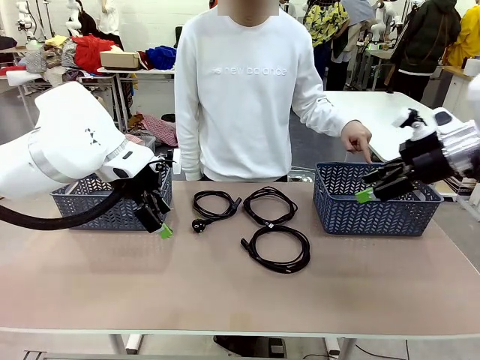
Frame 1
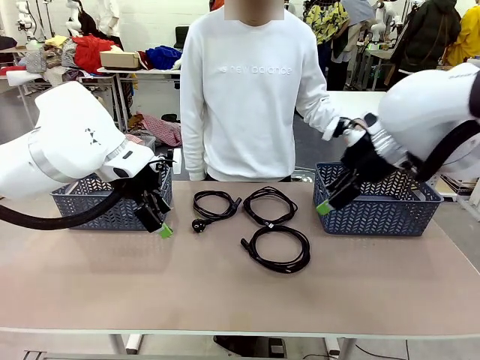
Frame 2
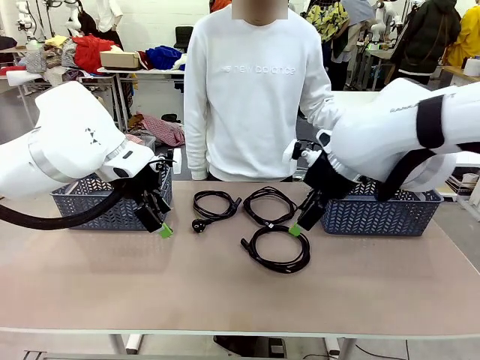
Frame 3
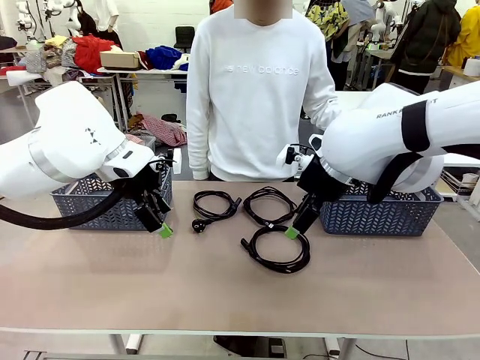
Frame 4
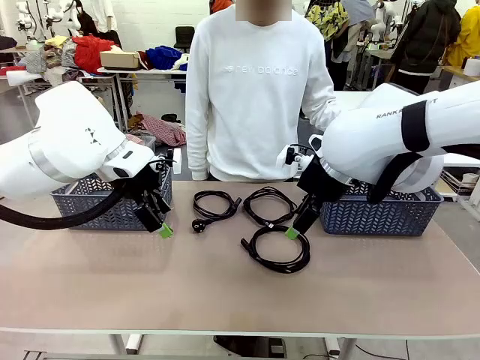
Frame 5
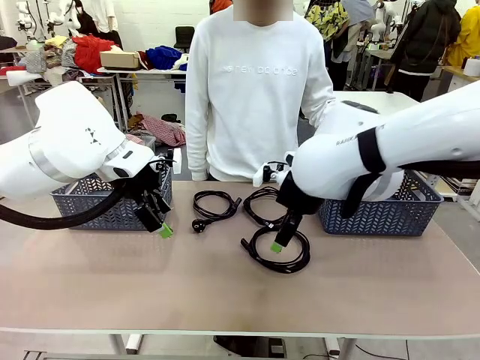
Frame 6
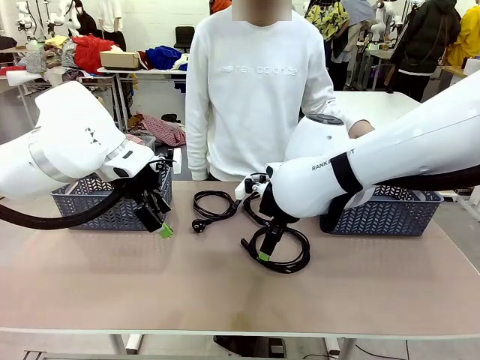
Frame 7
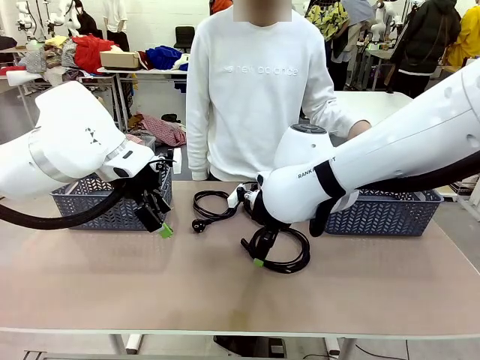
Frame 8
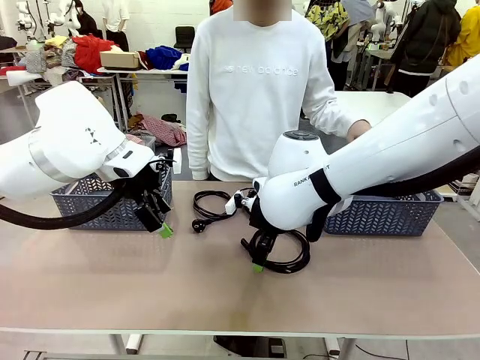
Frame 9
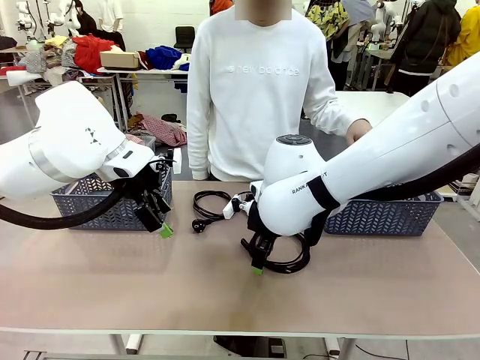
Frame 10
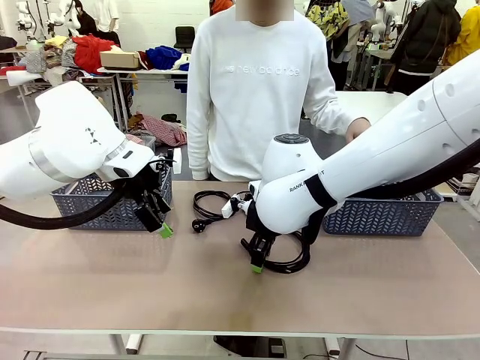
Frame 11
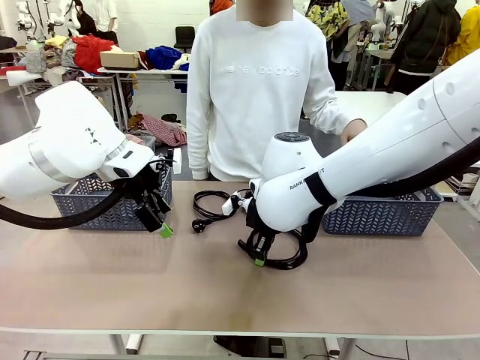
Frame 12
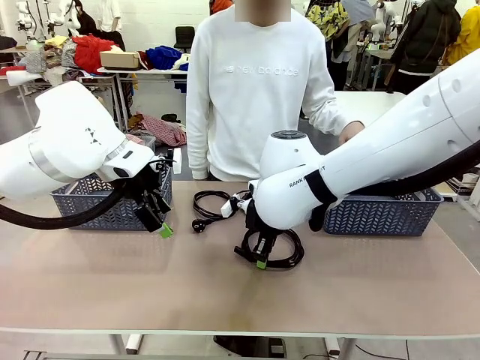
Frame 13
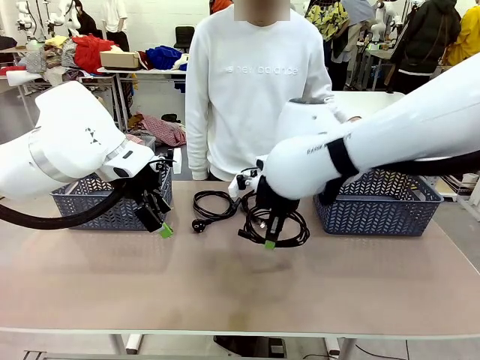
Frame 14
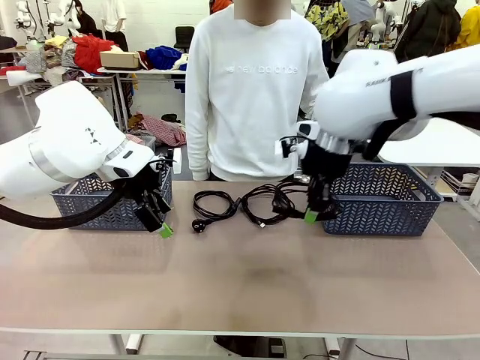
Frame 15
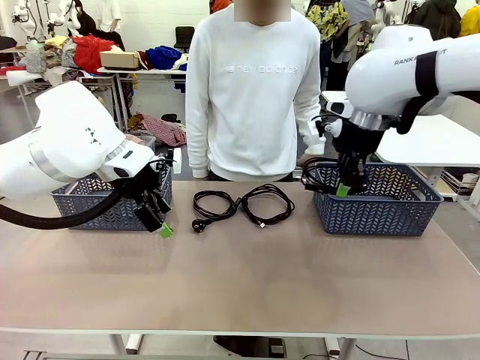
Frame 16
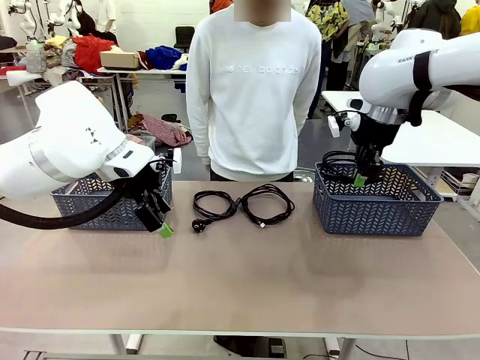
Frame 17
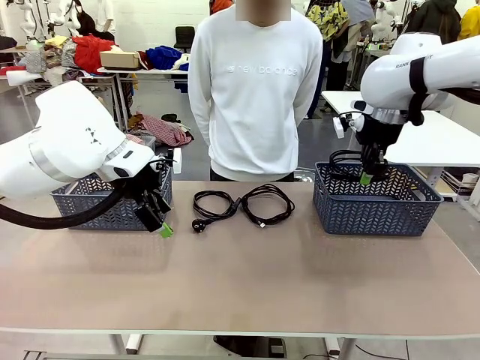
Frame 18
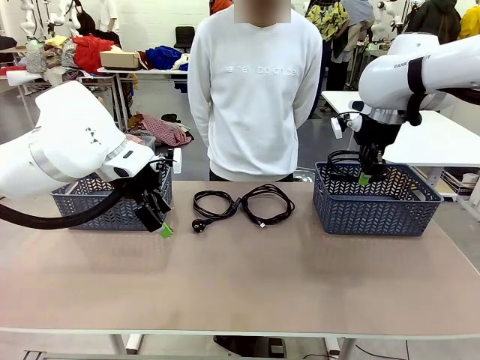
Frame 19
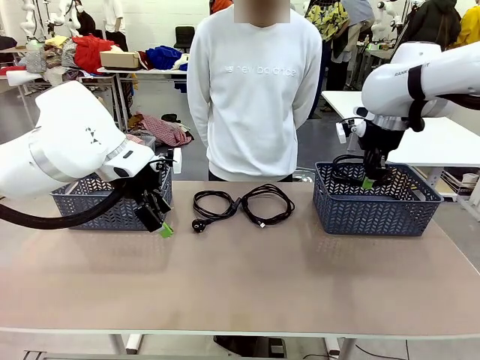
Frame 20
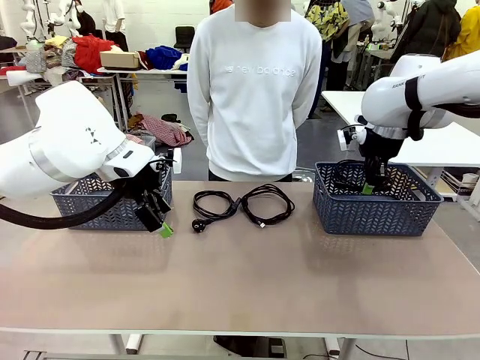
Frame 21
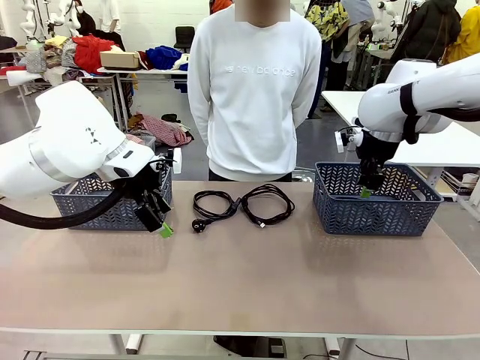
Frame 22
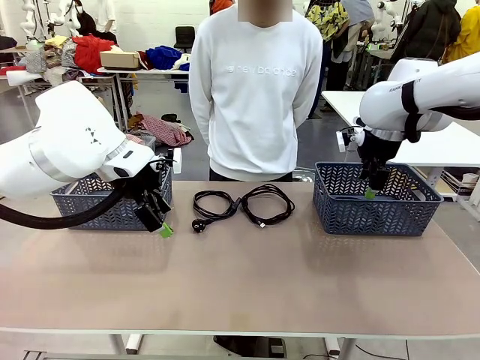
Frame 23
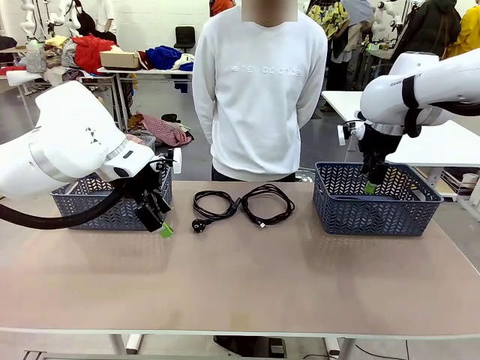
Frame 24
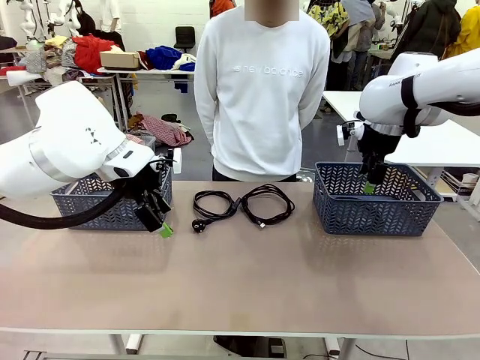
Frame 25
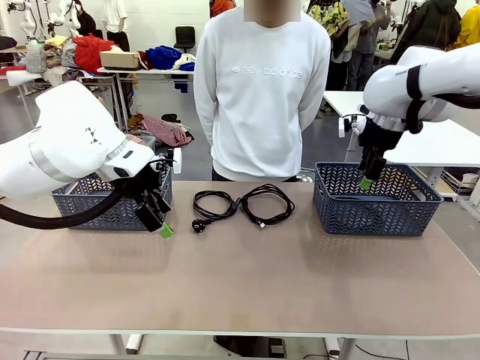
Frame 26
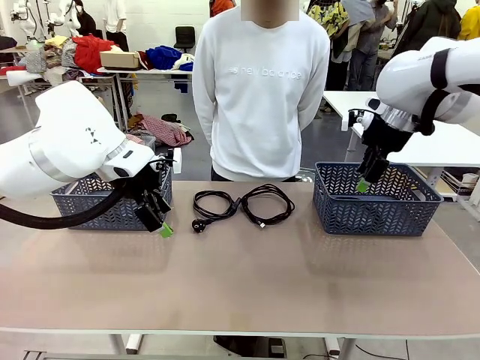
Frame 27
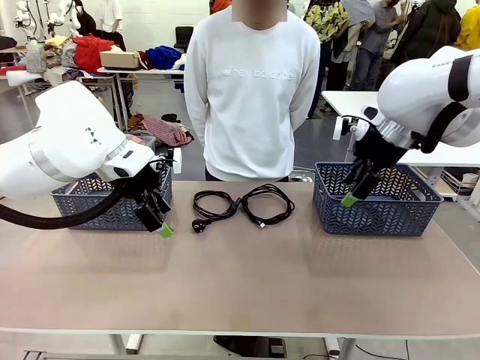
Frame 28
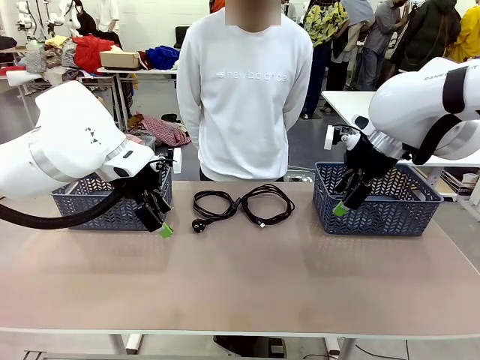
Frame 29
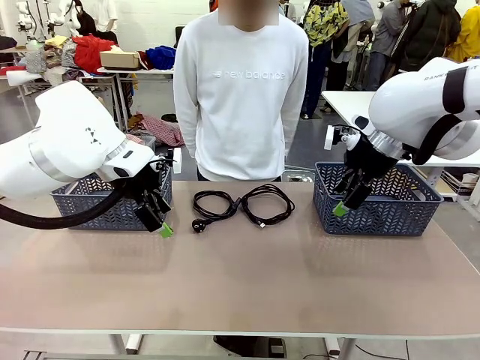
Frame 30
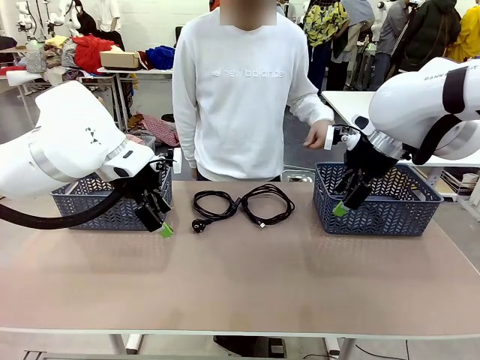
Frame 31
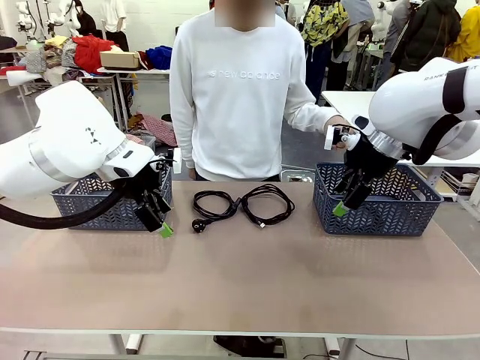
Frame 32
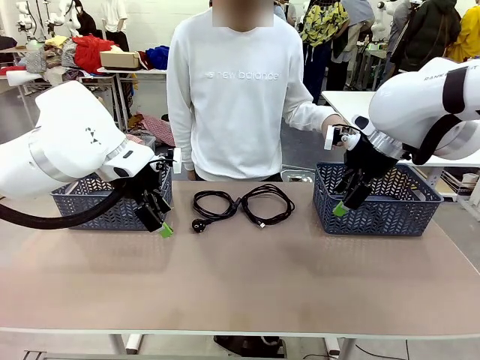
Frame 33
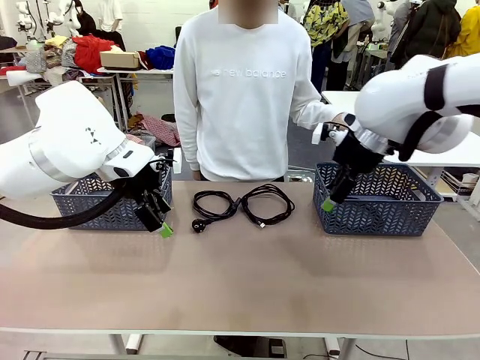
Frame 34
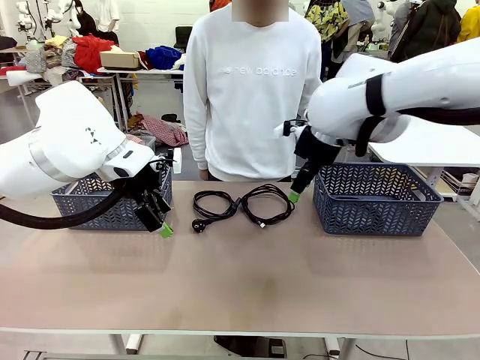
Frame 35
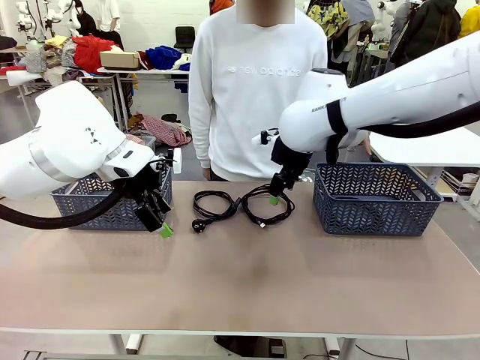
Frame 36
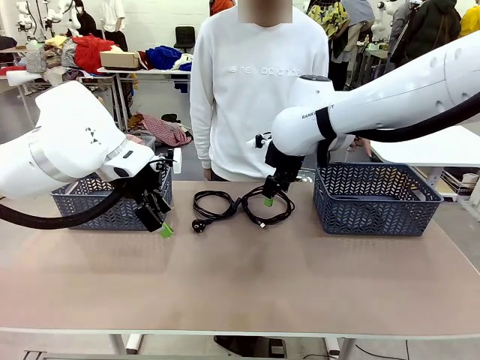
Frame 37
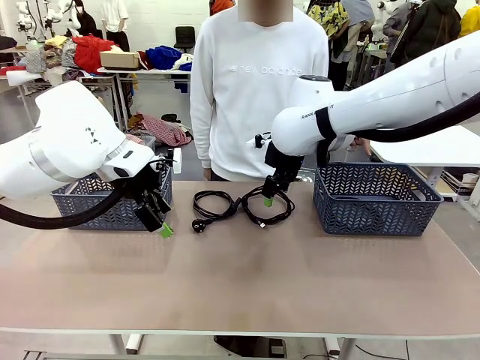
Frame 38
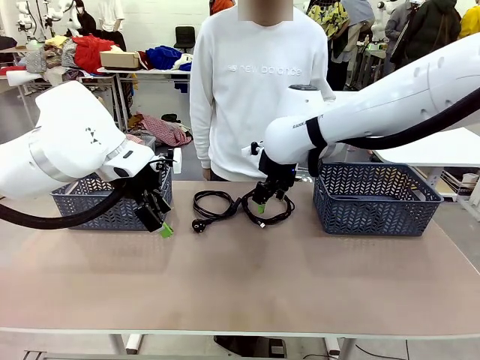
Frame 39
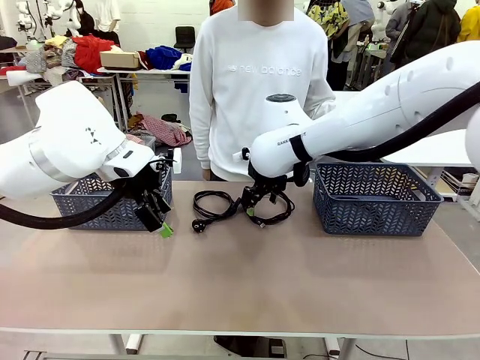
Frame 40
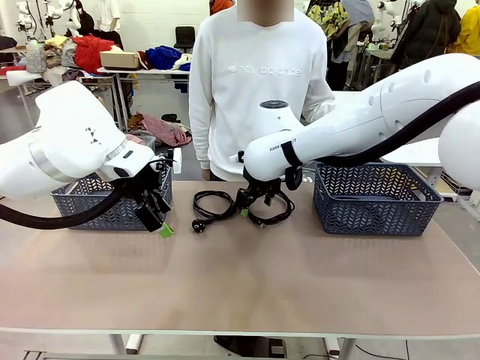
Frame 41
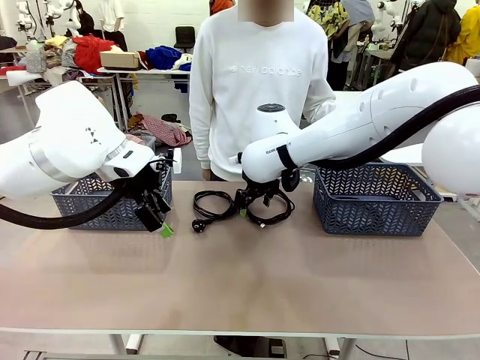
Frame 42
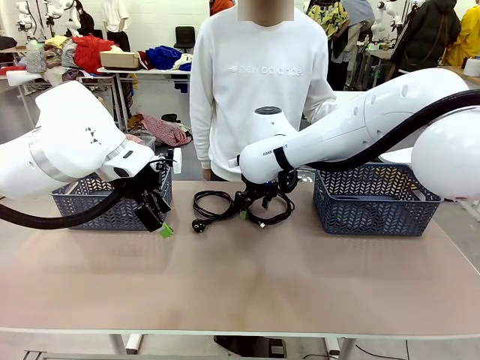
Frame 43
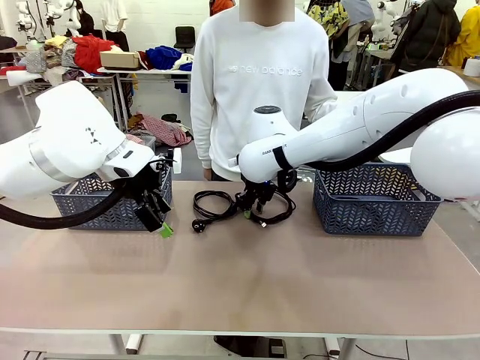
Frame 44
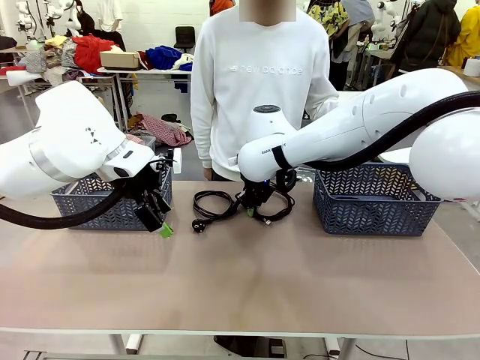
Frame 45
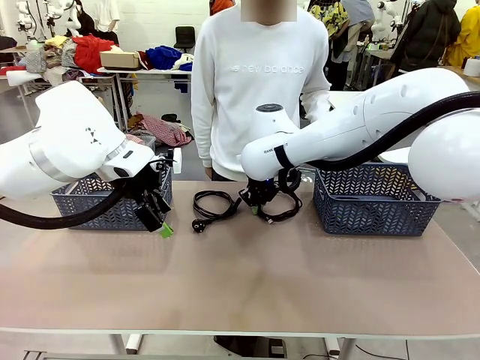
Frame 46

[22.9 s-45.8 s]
Task: Organize the cables according to human instructions.
Robot: Pick up a bundle of cables and place it in the basket indicated by the human.
